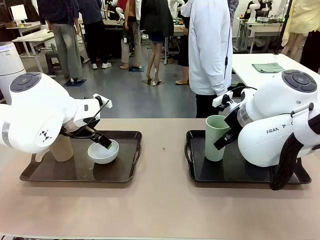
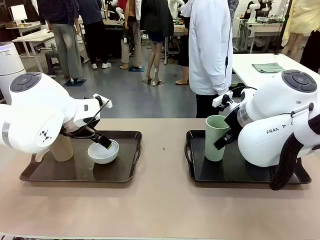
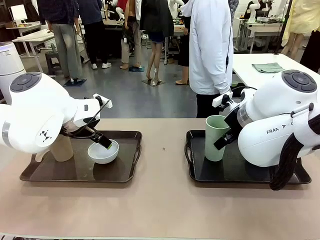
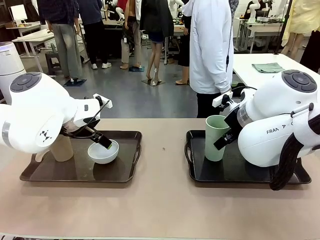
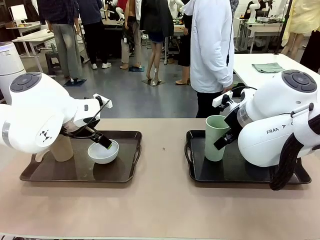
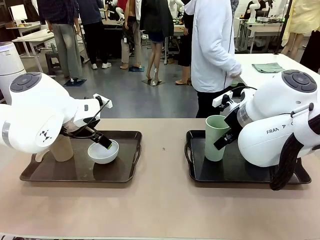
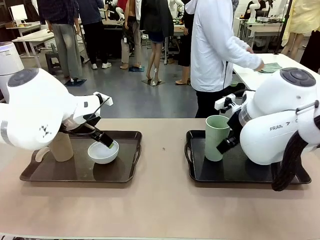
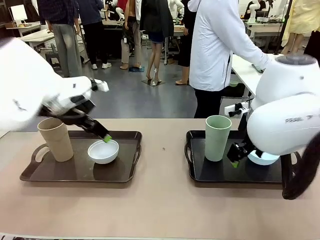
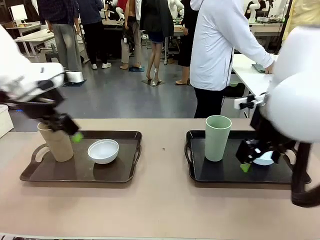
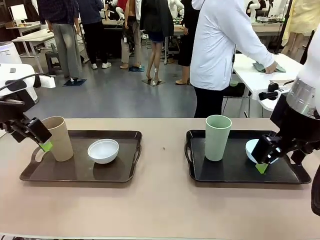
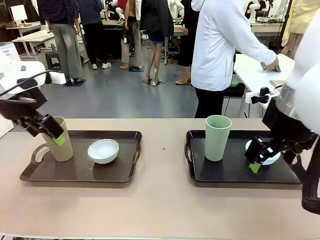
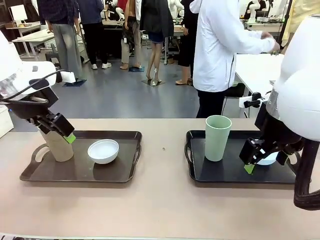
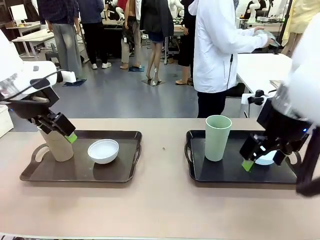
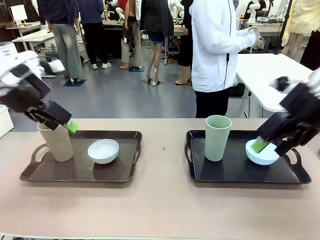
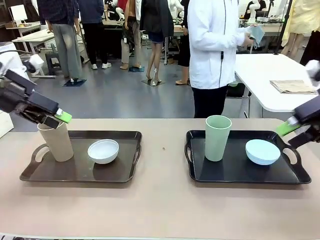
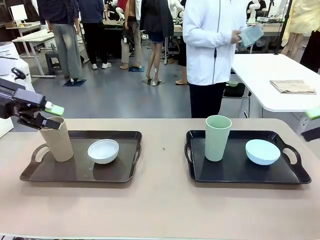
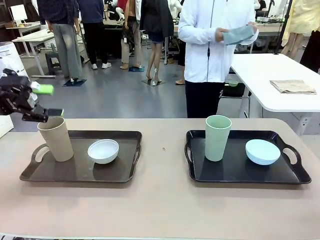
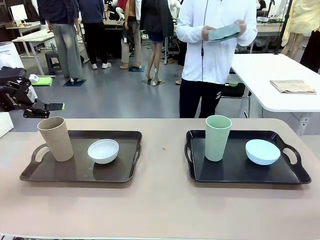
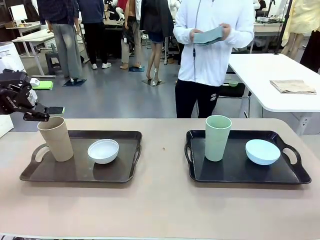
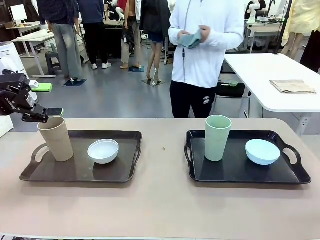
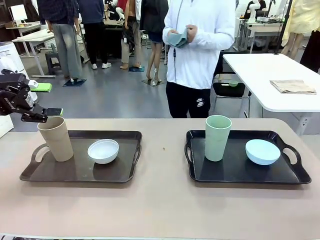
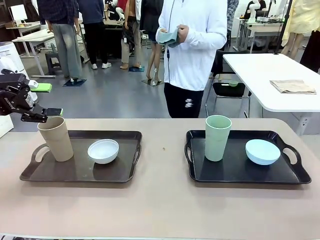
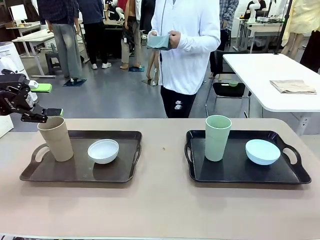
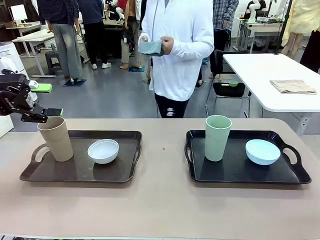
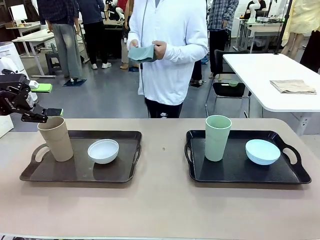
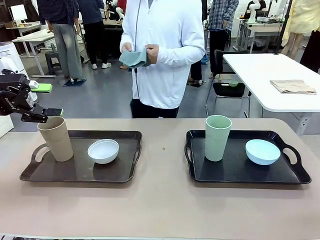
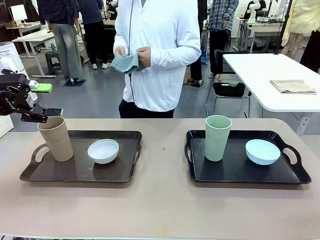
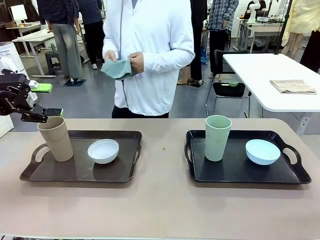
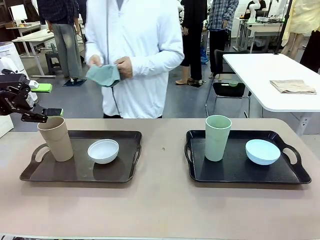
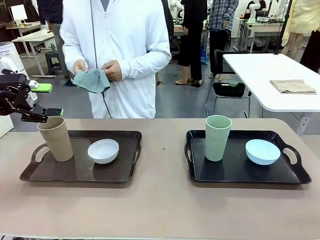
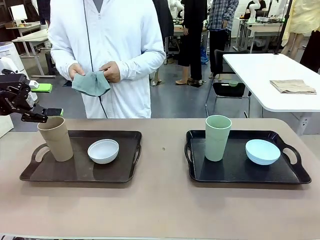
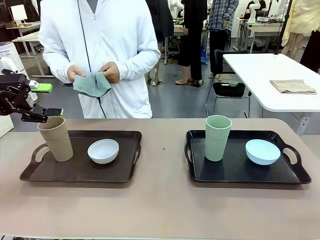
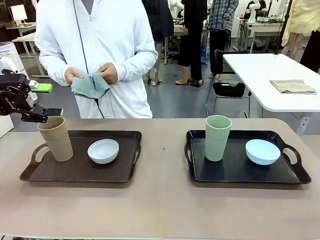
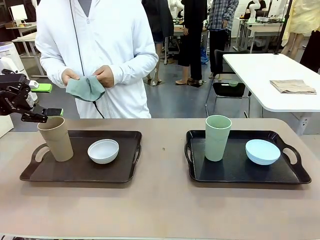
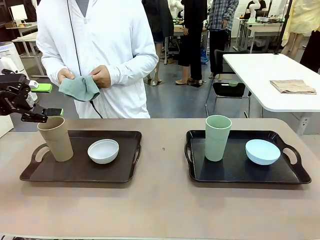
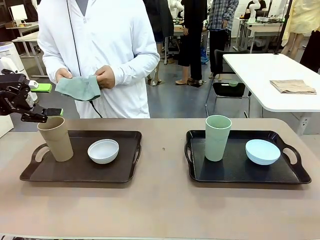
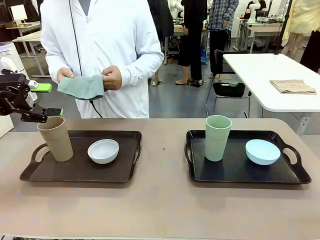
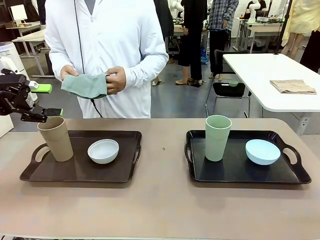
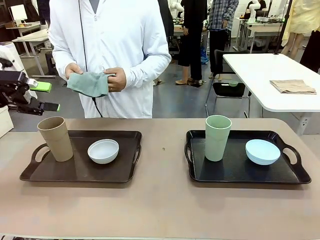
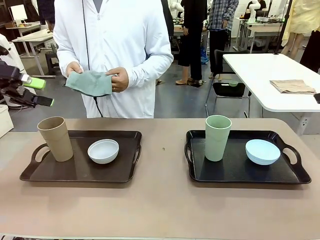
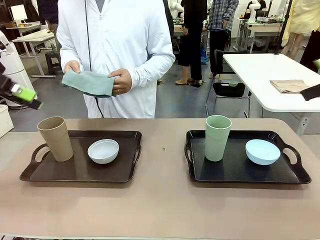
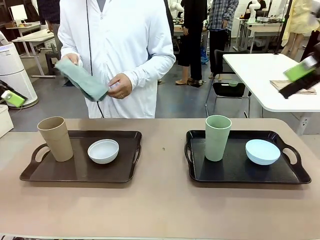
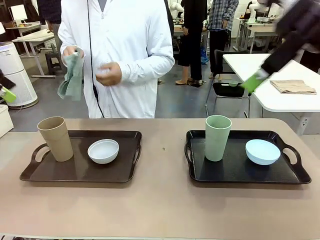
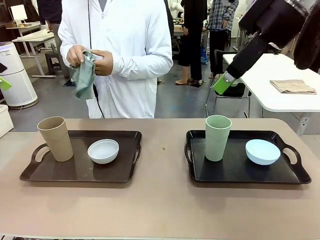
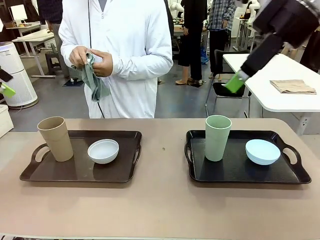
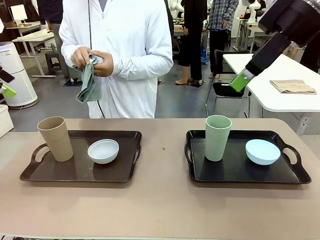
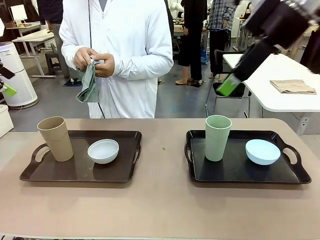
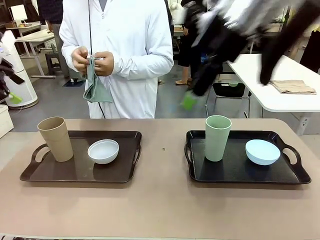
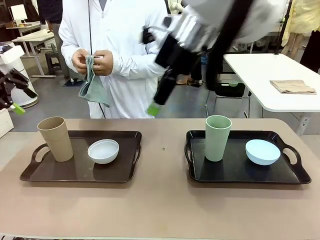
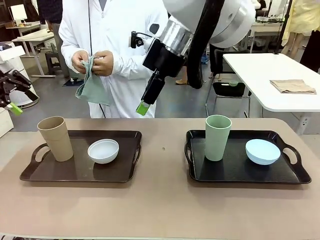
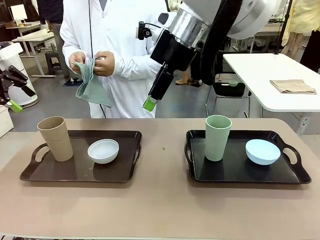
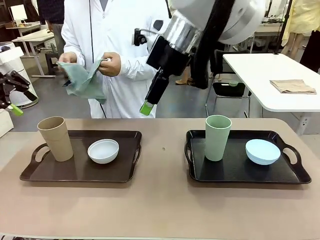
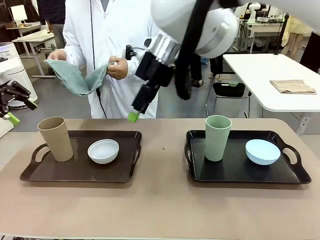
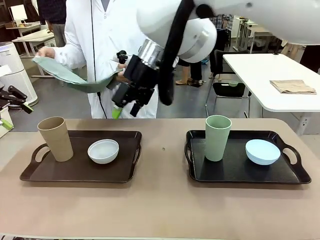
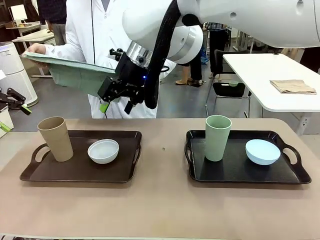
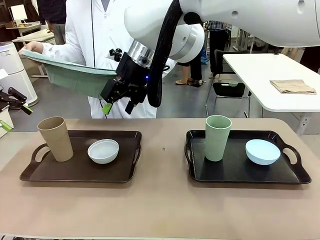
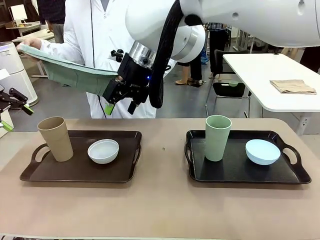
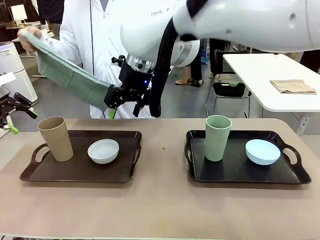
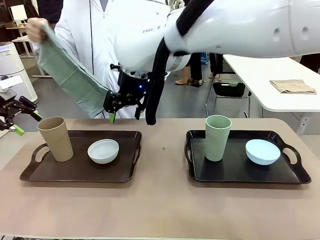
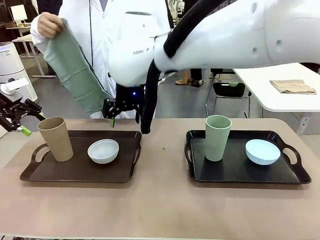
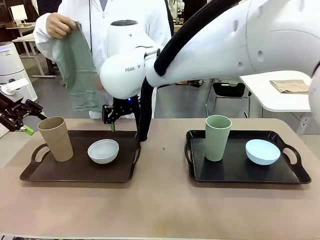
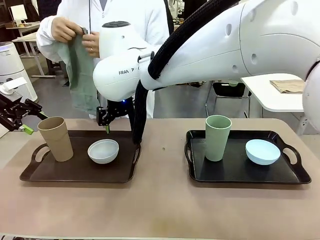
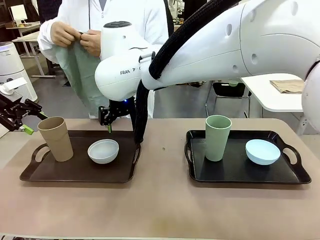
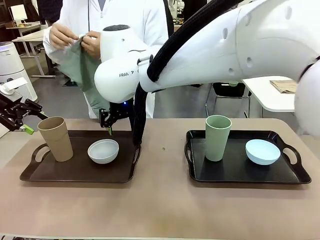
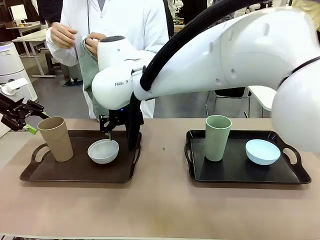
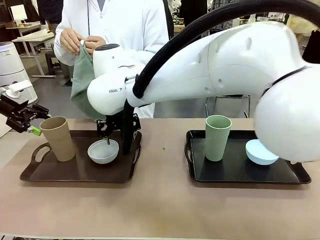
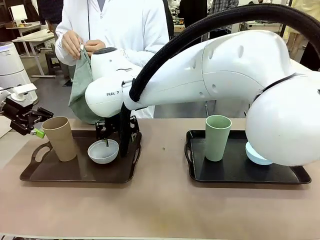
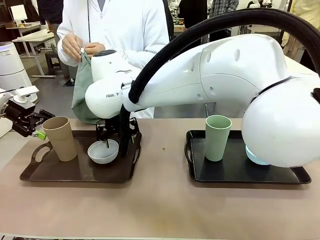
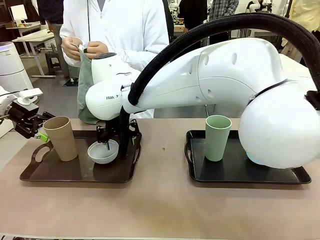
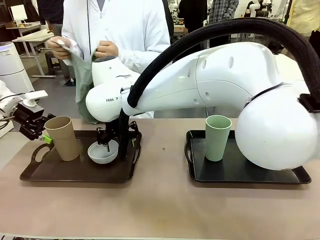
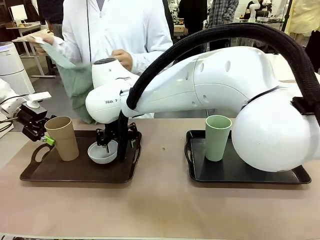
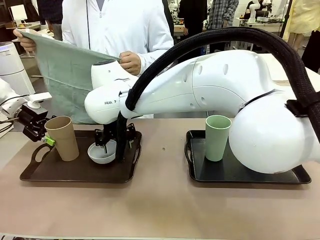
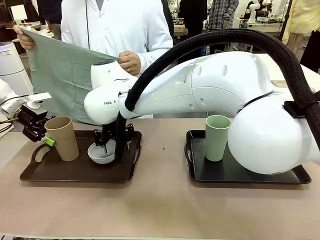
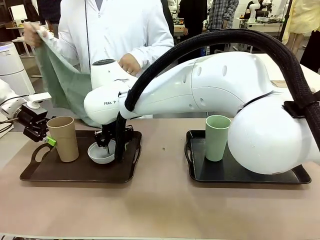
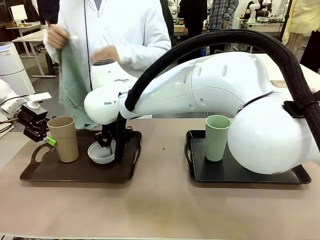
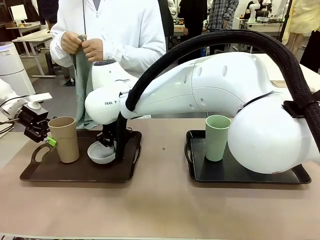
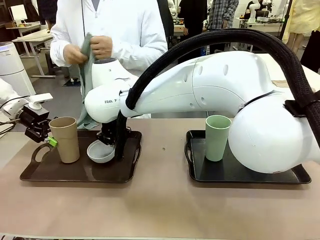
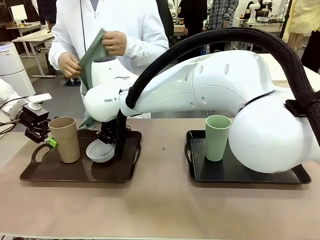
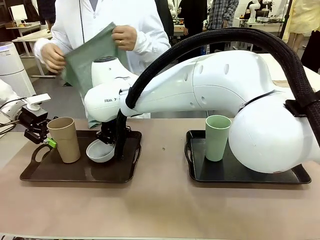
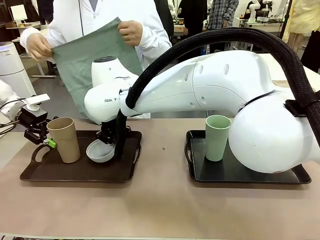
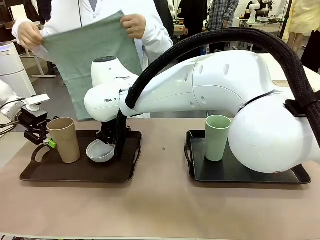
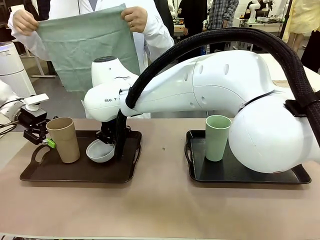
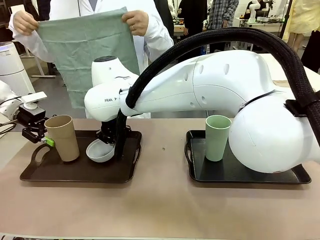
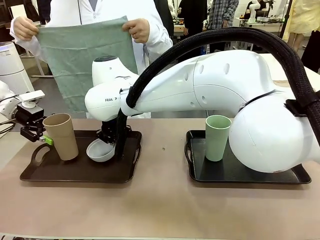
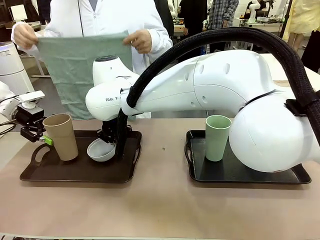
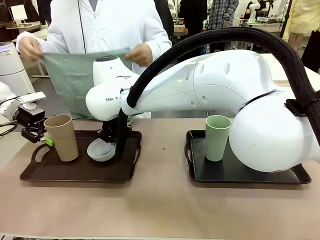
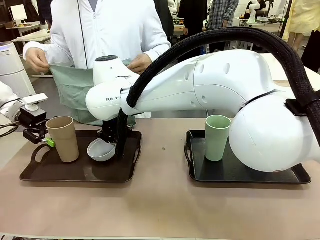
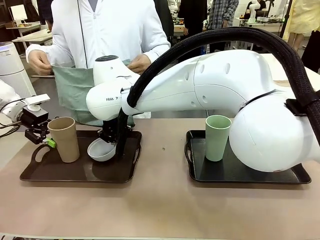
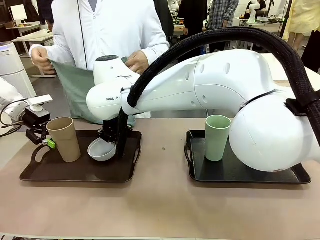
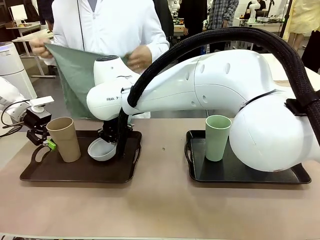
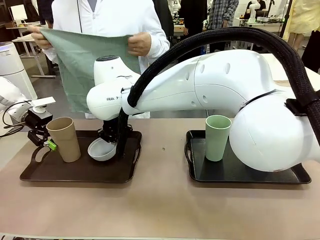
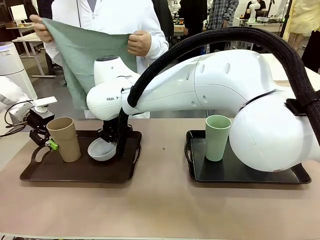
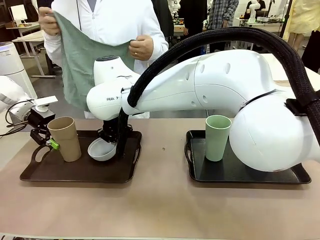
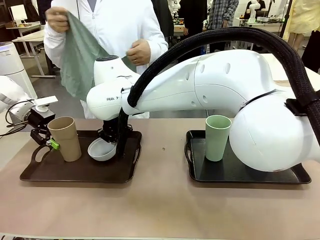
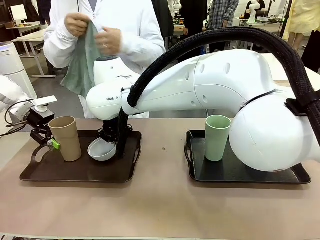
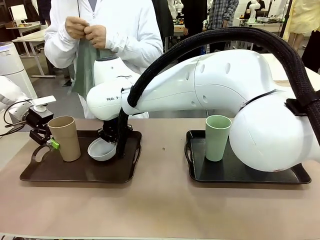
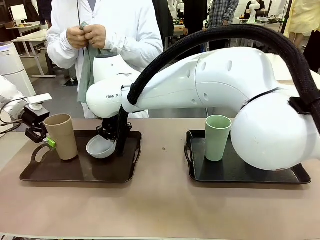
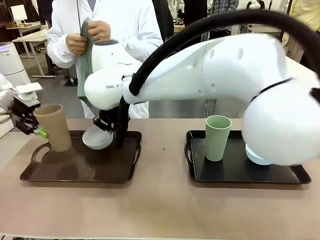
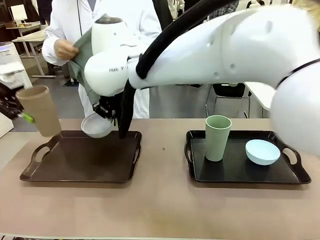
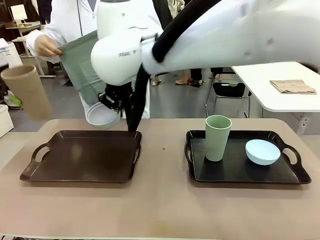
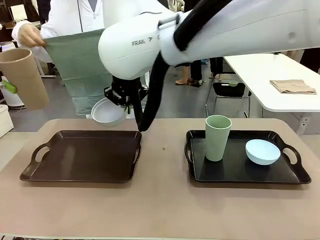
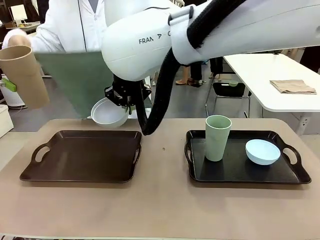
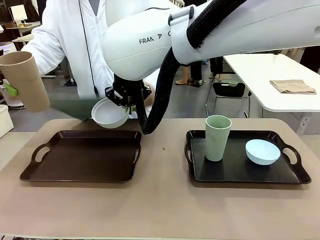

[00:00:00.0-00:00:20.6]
Robot: Pick up the Picnic Bowl and Reusable plastic cup from the Handle tray in front of the human's position and hold them in the air.
Person: The human picks up the top napkin from the stack on the human table and walks to the robot table to stand in front of one of the two trays. When the robot lifts the bowl and the cup, the human unfolds the napkin and lays the napkin flat on the tray.
